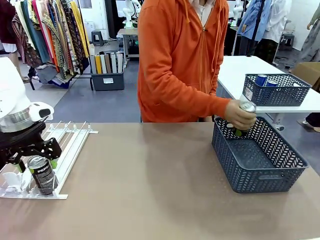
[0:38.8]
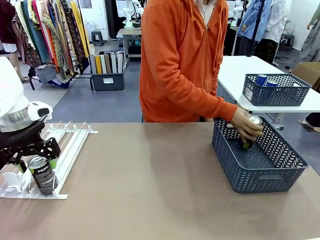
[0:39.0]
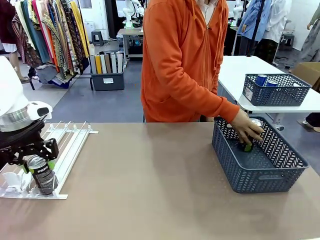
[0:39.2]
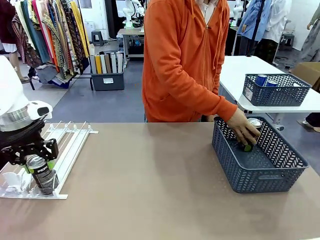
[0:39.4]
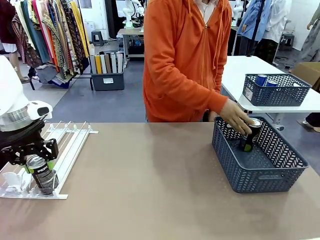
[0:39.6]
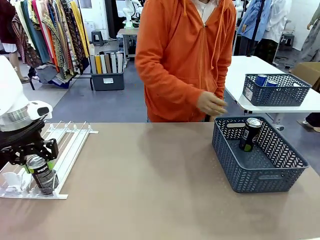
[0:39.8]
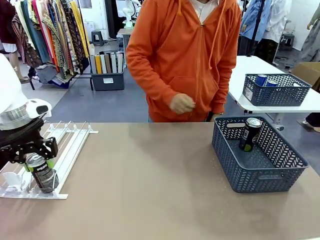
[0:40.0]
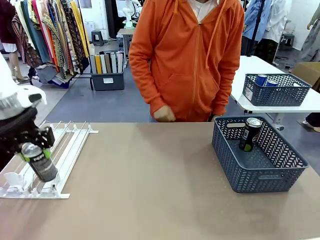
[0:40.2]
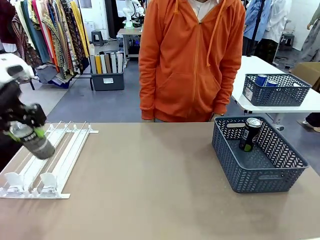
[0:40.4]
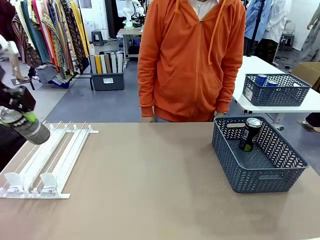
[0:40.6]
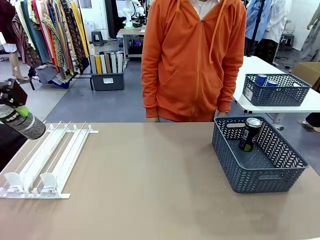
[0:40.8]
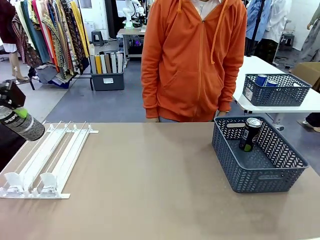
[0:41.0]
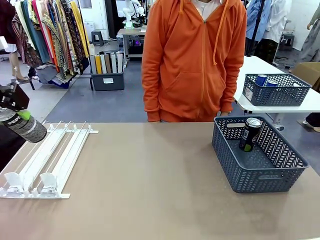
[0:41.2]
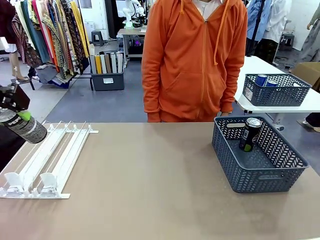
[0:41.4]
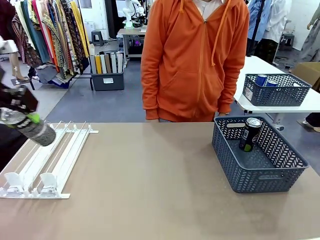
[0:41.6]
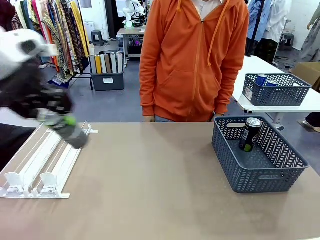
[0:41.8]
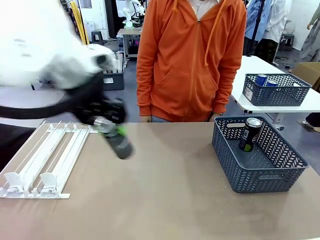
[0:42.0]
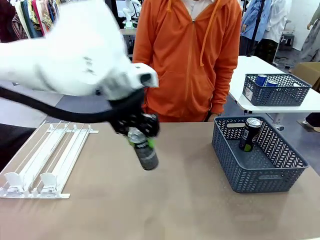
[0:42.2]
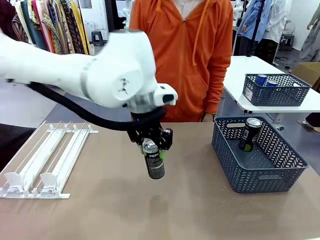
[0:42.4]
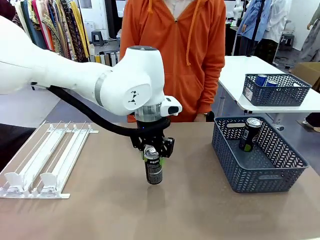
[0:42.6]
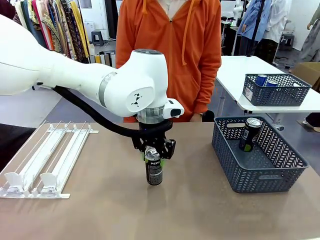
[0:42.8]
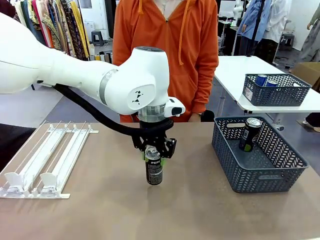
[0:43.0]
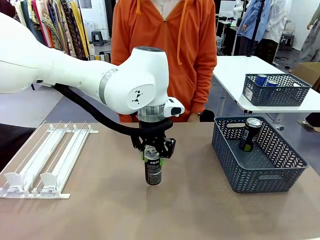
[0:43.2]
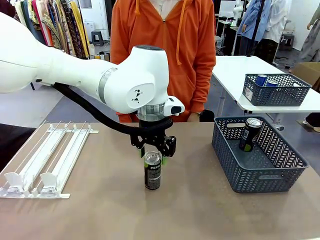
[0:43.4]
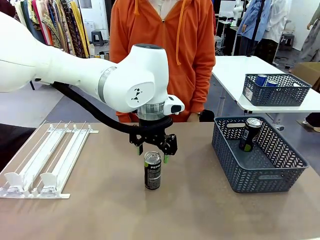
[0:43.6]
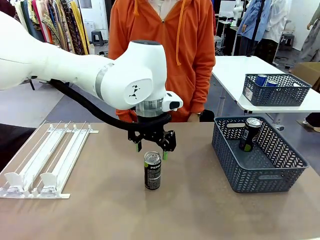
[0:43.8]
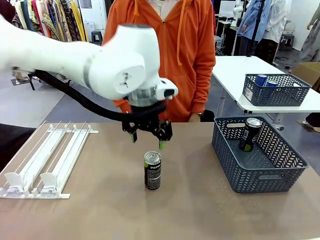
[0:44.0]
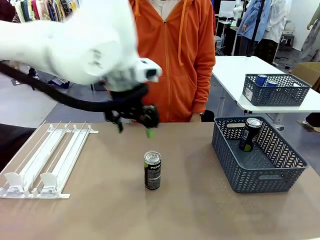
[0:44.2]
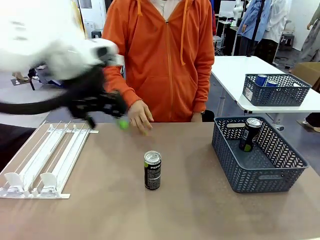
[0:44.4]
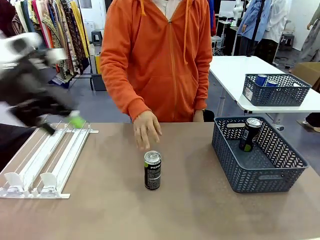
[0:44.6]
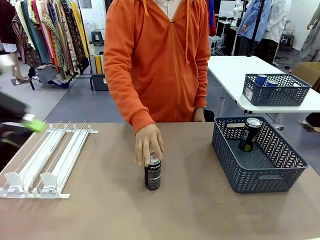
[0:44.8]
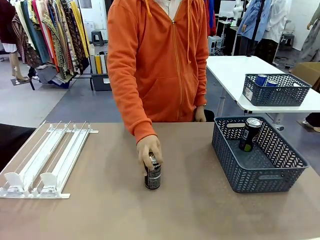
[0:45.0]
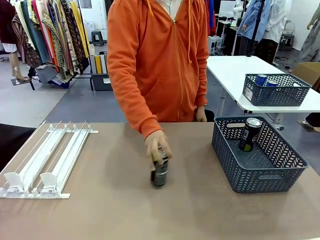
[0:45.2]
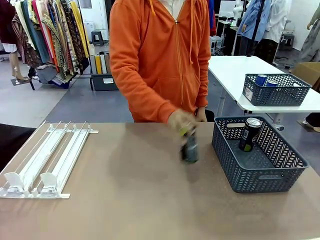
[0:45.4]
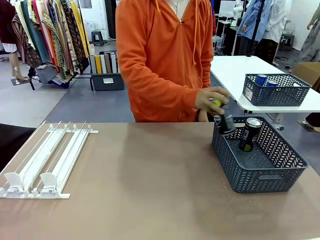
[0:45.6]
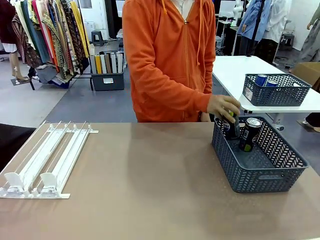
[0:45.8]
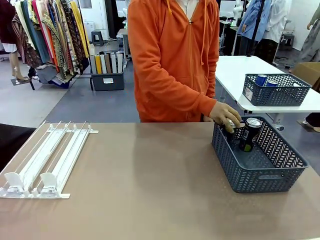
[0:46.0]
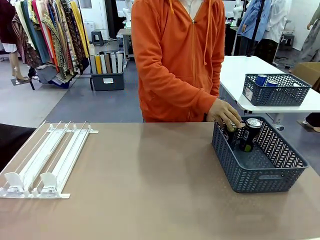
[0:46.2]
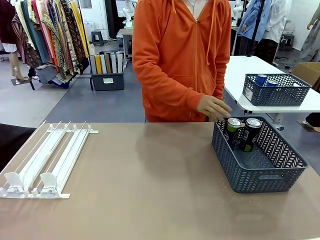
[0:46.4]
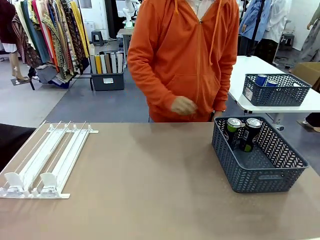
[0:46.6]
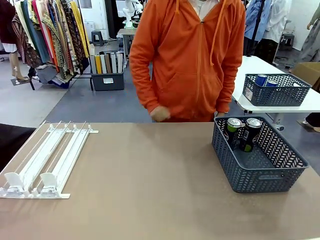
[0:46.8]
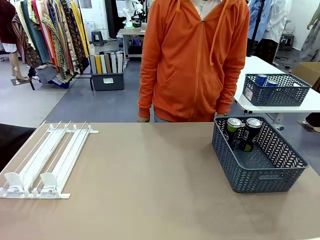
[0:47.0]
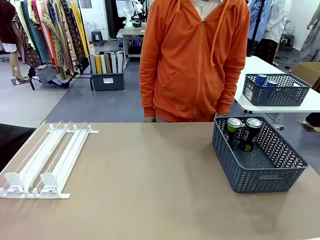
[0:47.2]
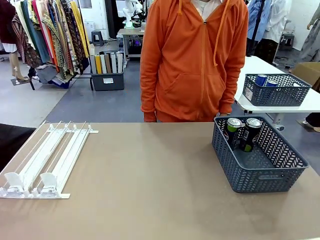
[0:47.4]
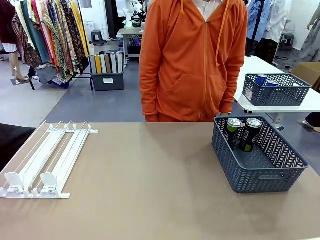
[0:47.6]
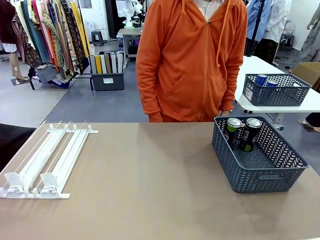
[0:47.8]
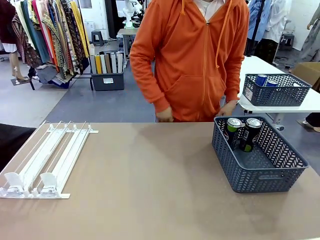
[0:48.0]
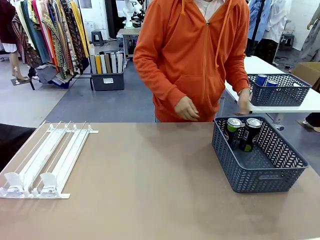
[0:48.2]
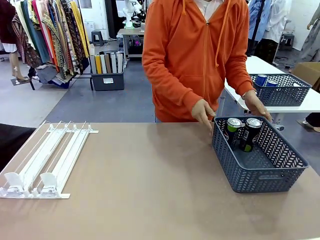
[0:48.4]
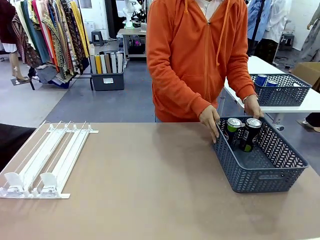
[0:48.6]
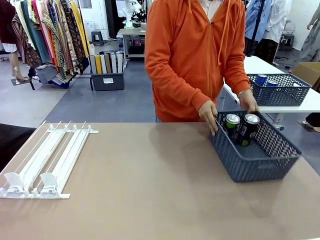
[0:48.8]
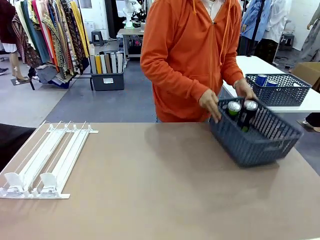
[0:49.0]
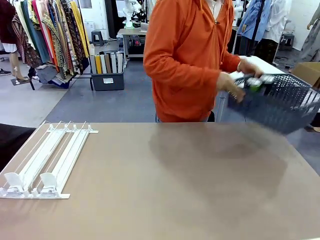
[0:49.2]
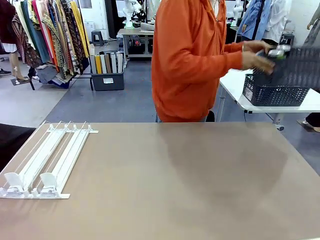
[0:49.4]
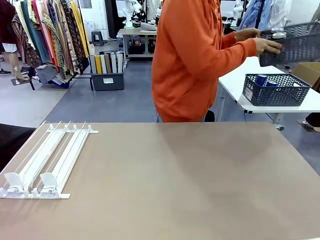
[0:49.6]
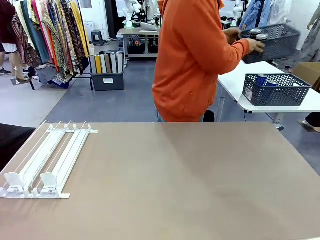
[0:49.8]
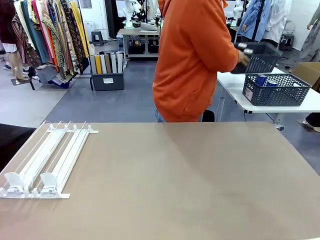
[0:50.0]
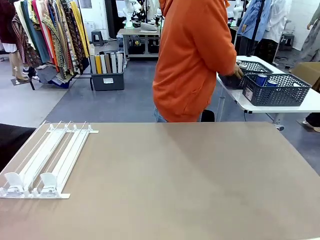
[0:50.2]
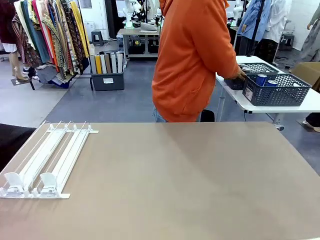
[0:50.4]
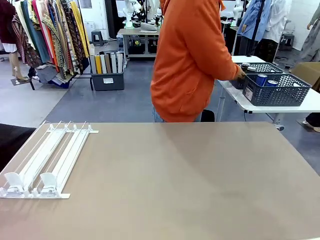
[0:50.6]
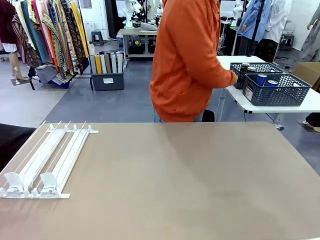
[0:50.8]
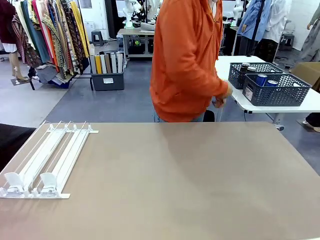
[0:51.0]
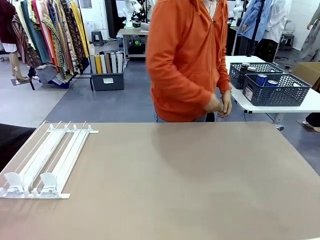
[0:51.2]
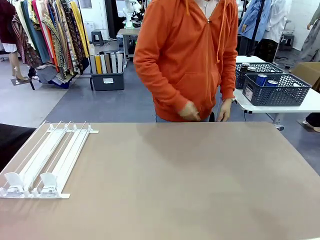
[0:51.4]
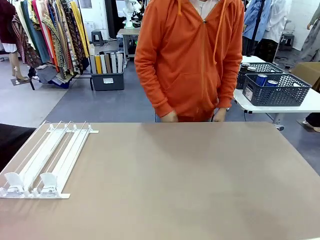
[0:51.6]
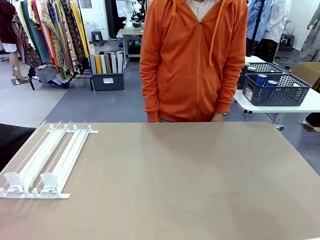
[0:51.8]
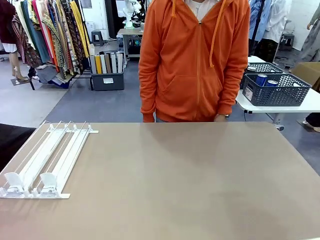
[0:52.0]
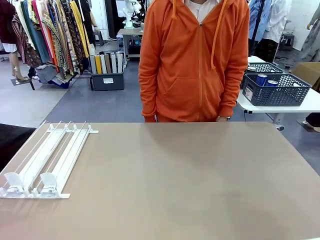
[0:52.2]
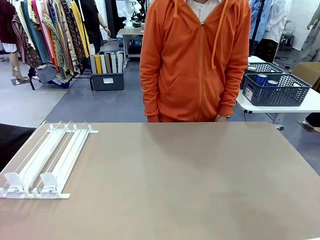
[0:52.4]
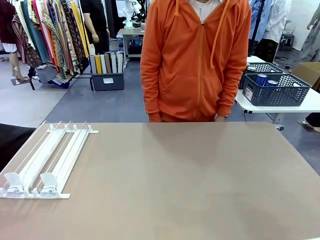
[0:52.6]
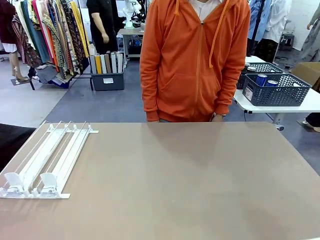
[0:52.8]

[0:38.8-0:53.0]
Task: Retrieve and store the cans from the dispenser.
Robot: Pick up one can from the Automatic Can Dispenser and place it in the middle of the table.
Person: Pick up one sports drink can from the middle of the robot table and place it in the basket. Pick up the basket and place it in the middle of the human table.
